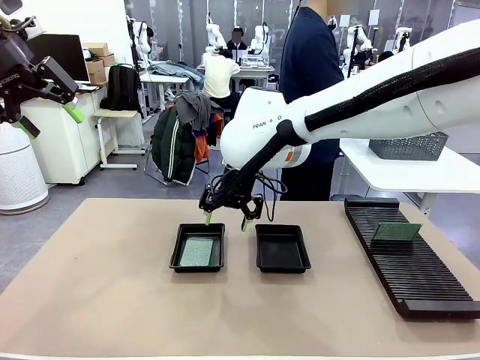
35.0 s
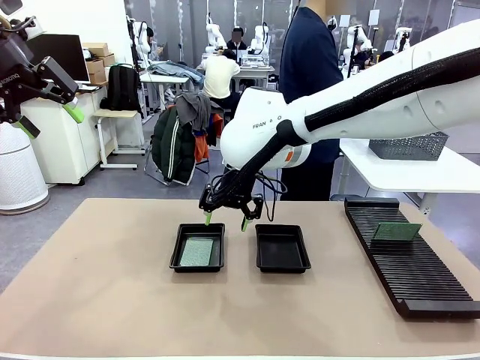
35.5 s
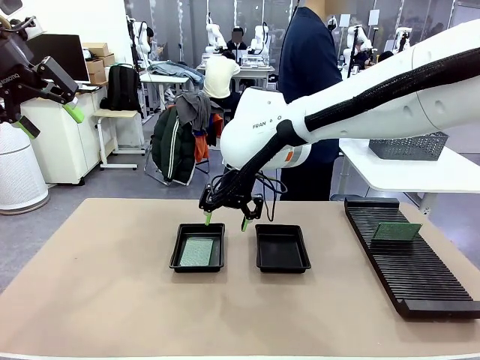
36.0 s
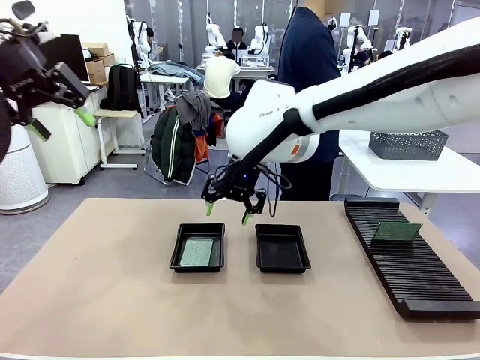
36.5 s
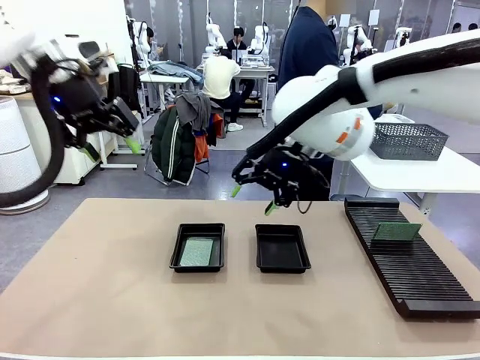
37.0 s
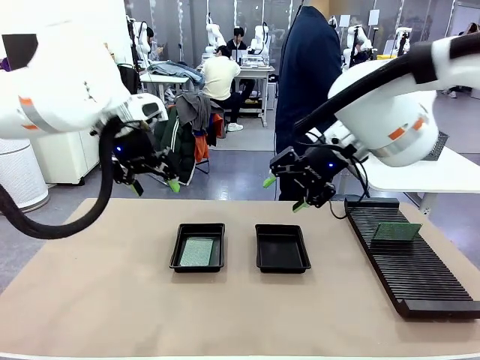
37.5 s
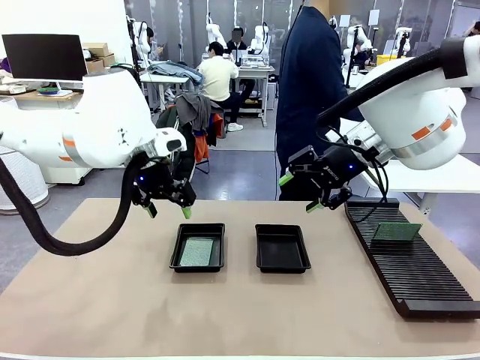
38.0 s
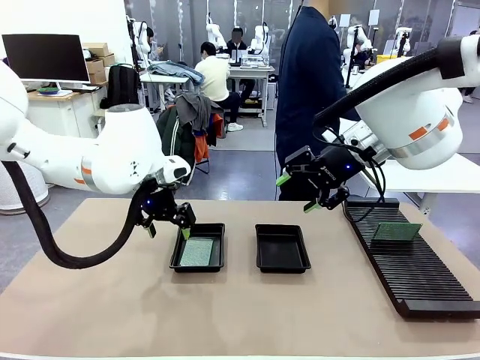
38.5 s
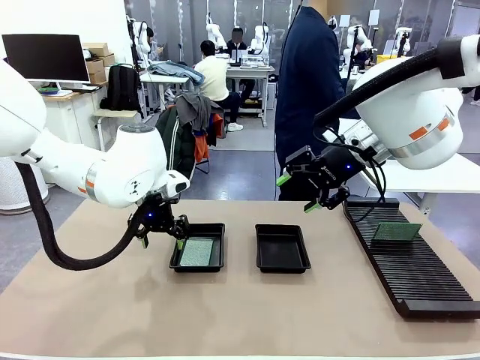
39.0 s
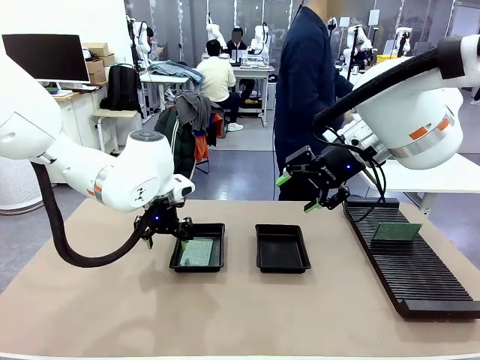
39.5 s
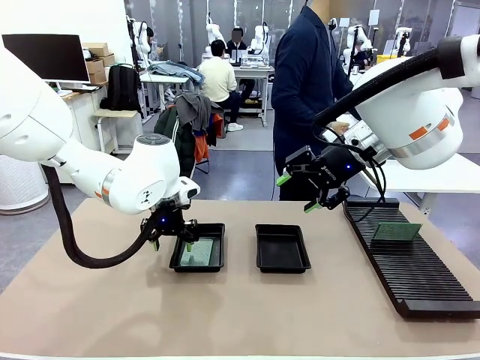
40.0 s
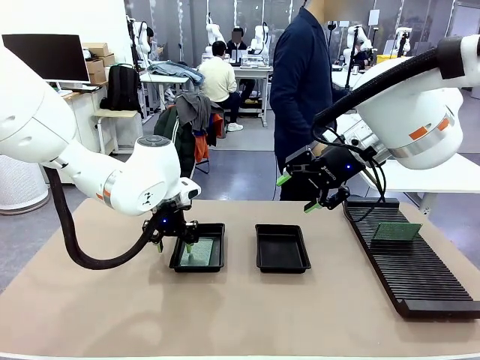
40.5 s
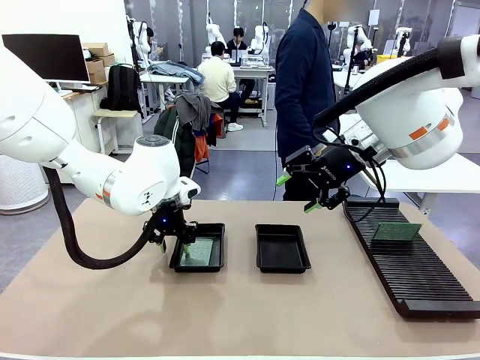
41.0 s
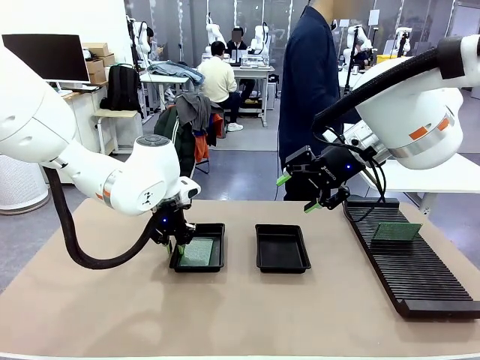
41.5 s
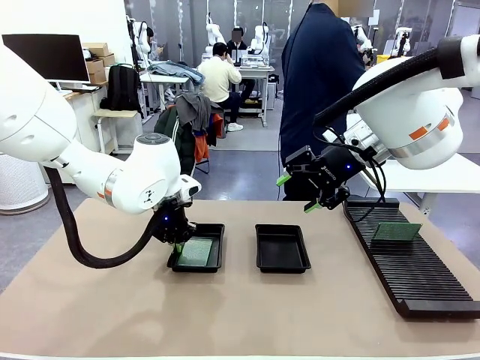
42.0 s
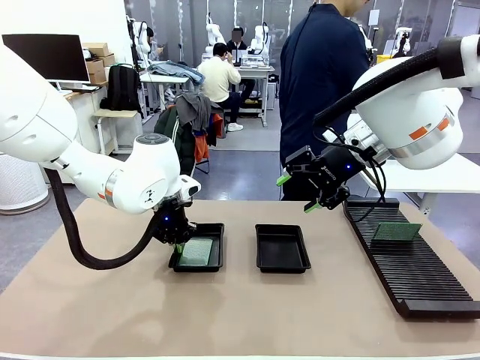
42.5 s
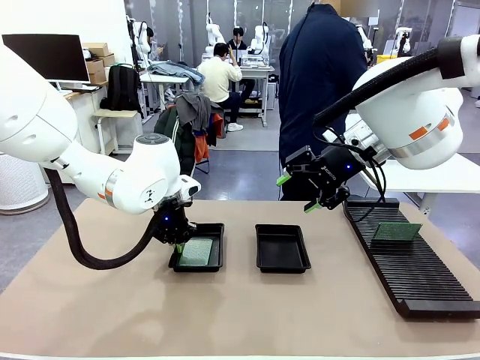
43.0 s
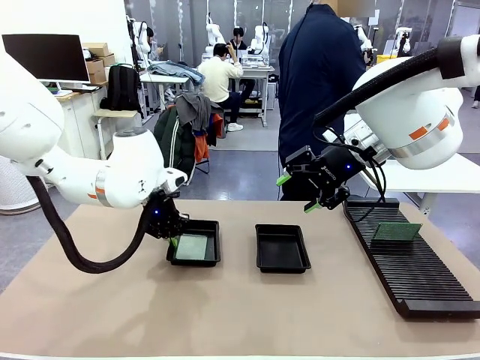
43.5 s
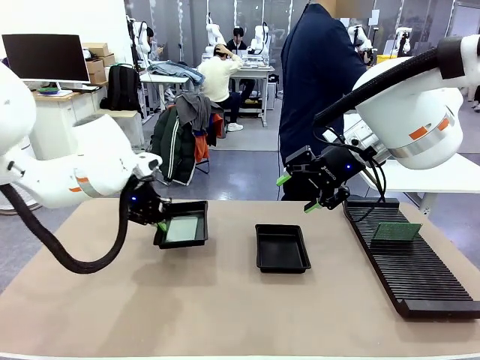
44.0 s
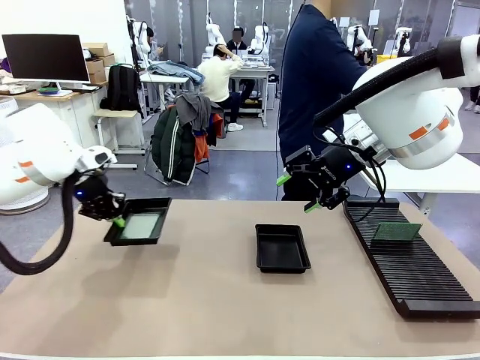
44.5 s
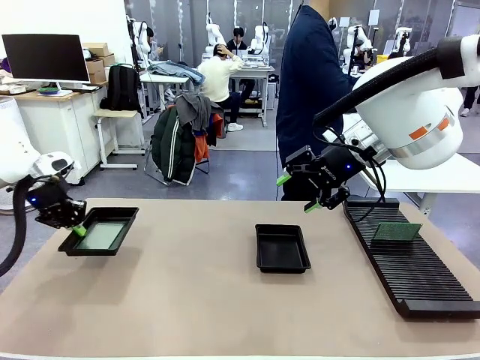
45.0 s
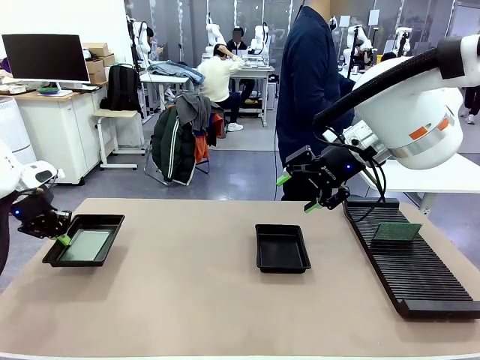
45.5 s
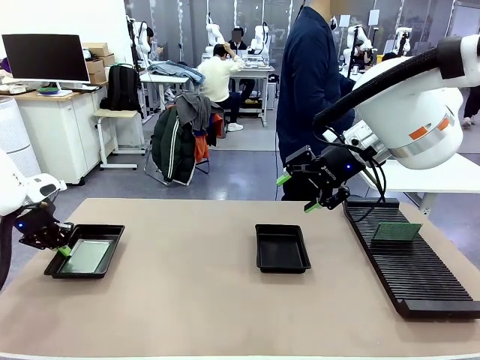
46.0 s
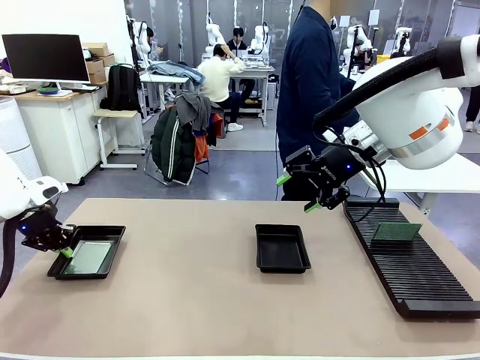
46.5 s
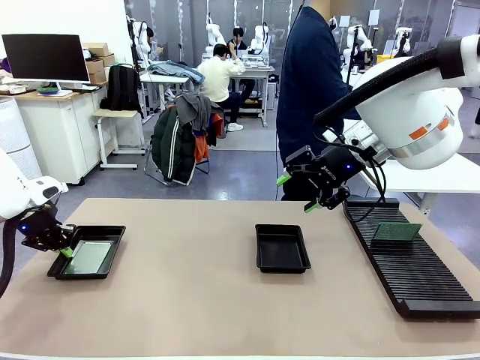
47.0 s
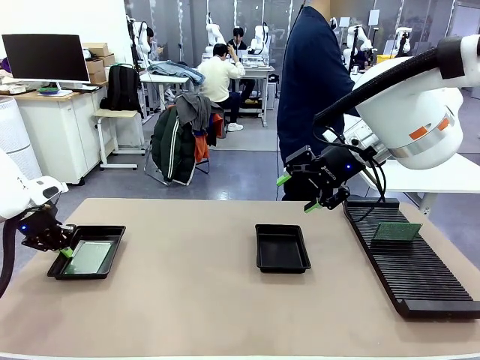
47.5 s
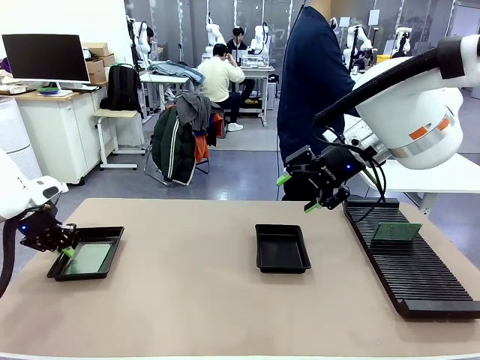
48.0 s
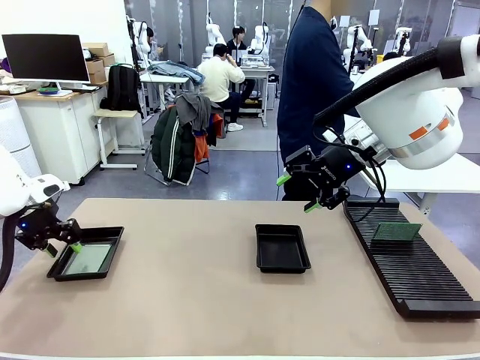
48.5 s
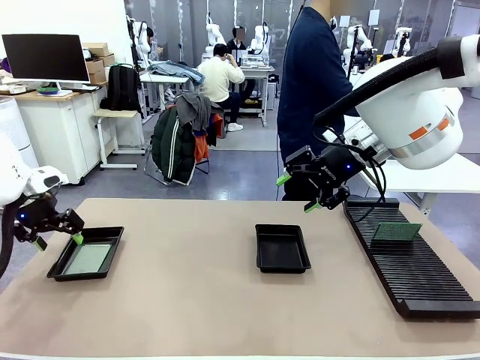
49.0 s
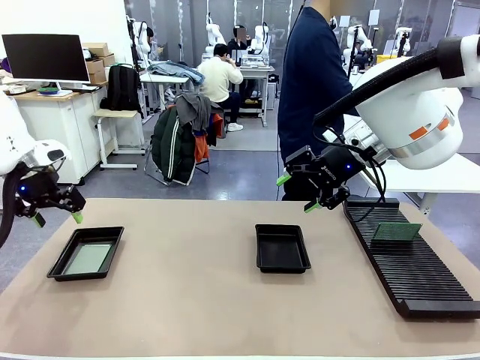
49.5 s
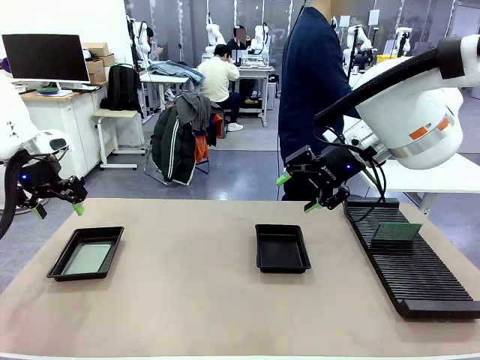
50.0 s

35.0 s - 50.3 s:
Task: Inspect and transfer BCBs to ESD trays.
Robot: Pick up the ESD tray and place it on the left side of the table.

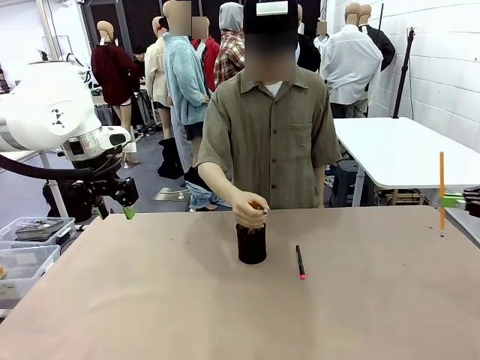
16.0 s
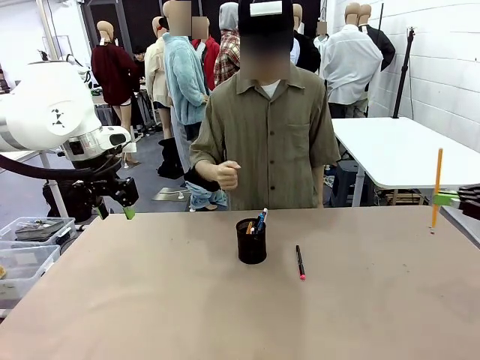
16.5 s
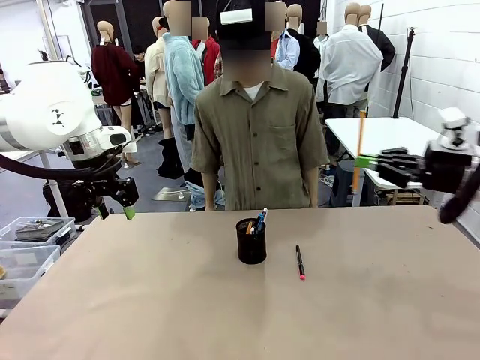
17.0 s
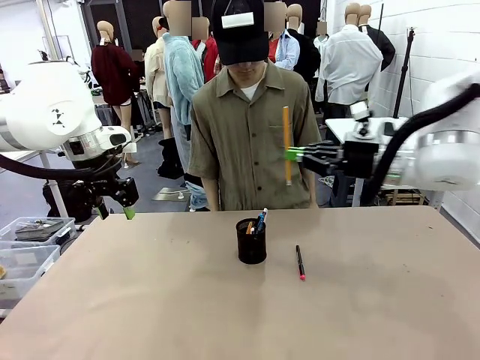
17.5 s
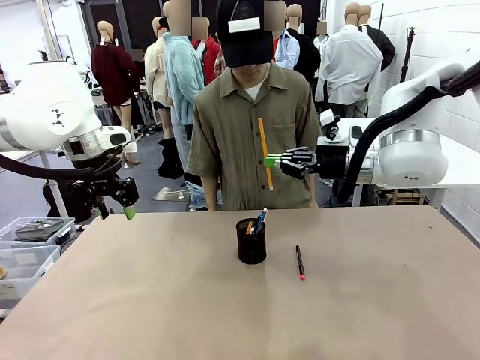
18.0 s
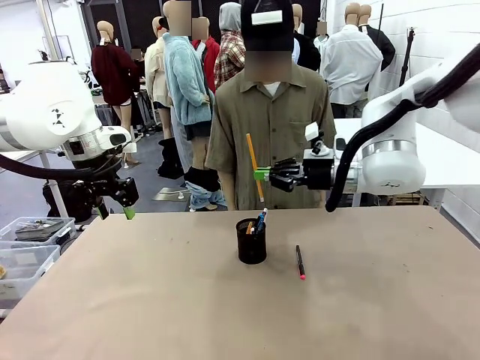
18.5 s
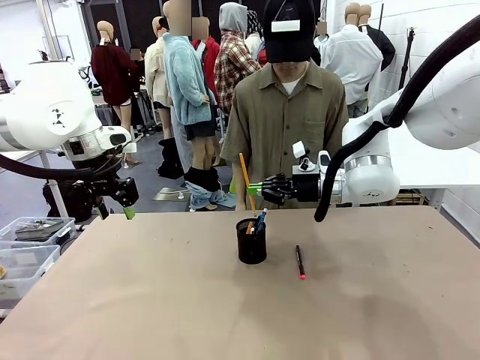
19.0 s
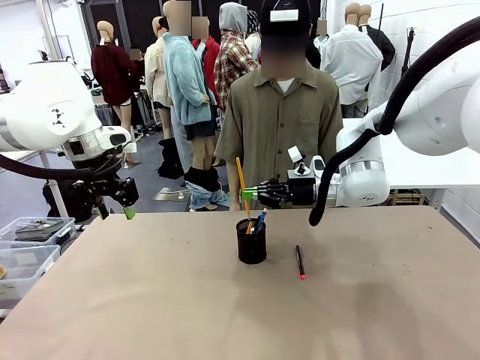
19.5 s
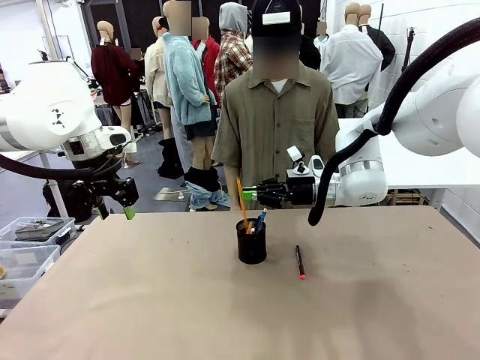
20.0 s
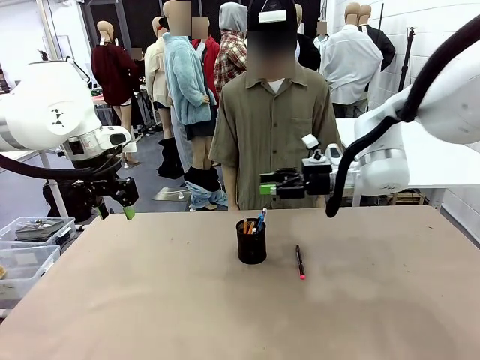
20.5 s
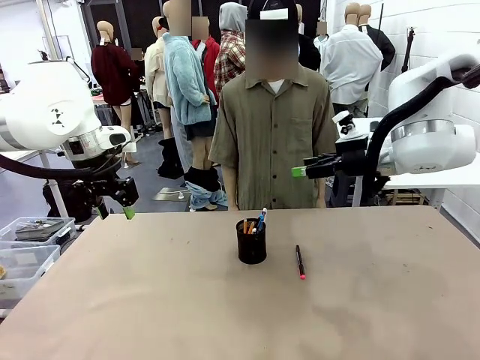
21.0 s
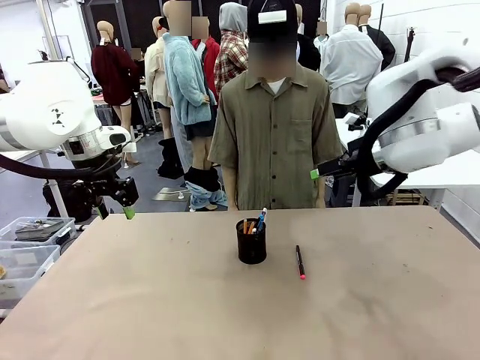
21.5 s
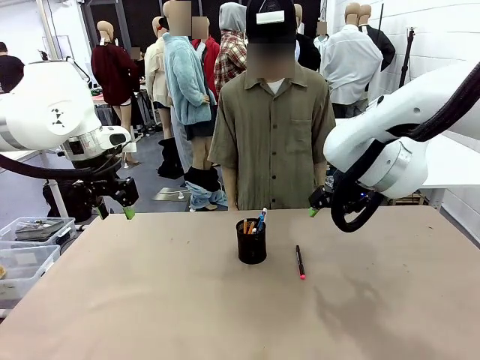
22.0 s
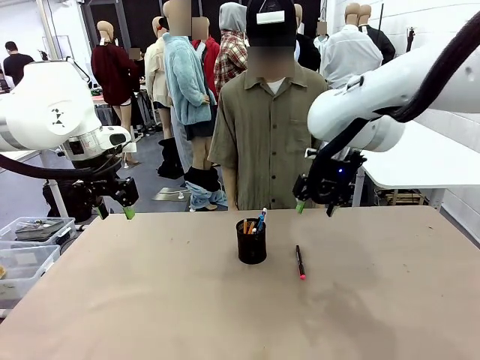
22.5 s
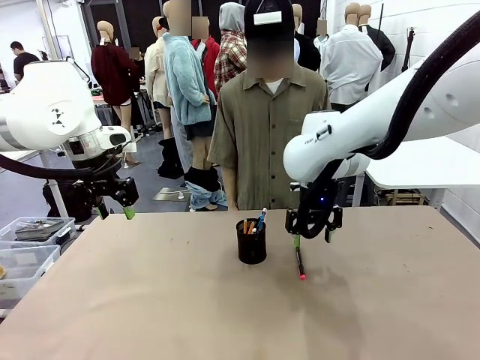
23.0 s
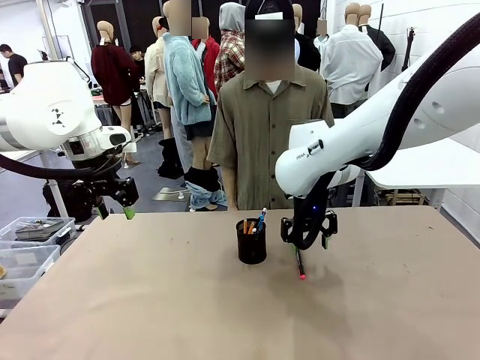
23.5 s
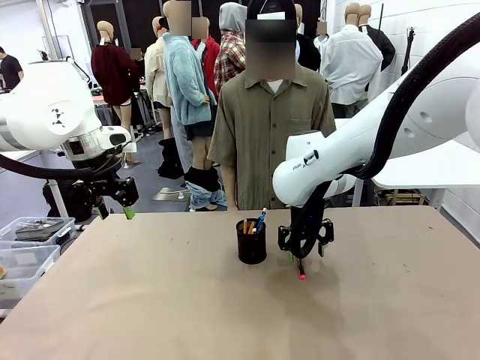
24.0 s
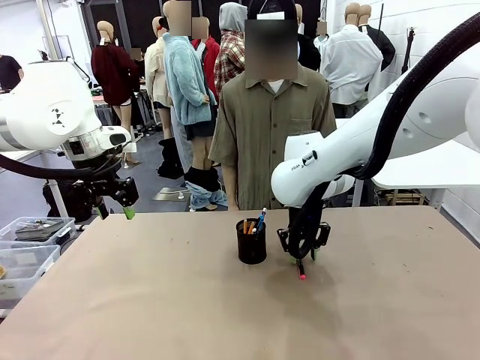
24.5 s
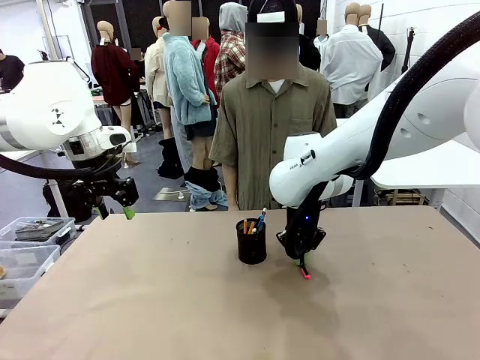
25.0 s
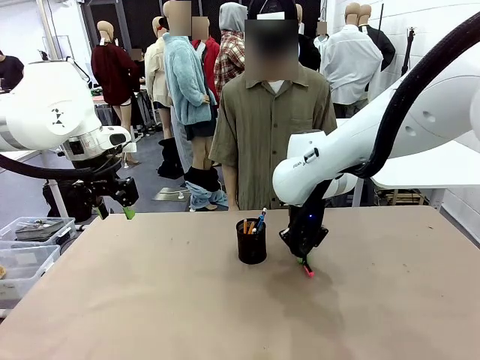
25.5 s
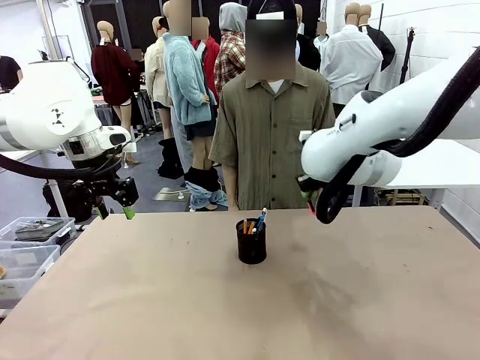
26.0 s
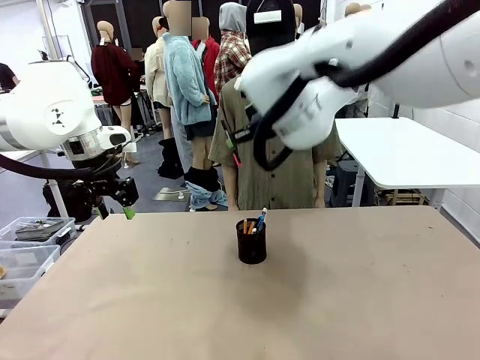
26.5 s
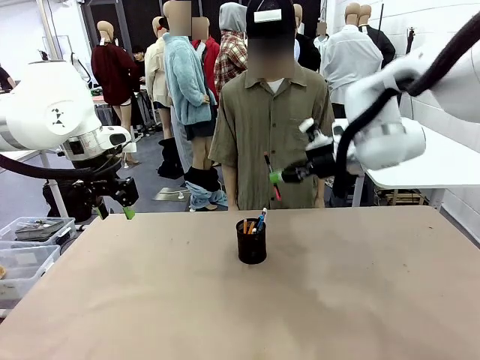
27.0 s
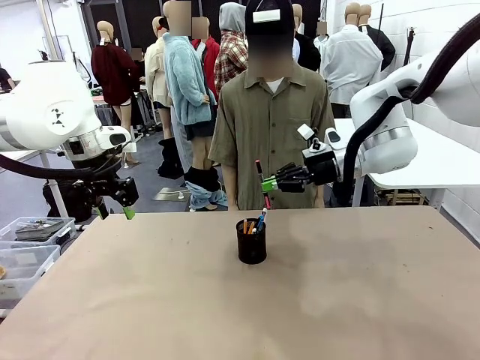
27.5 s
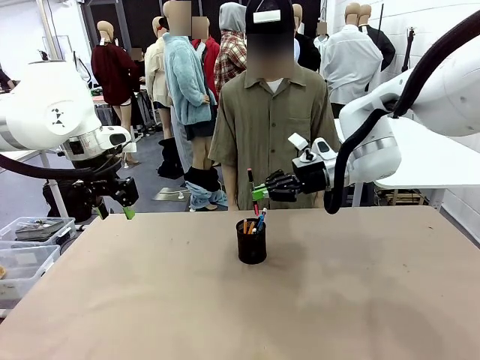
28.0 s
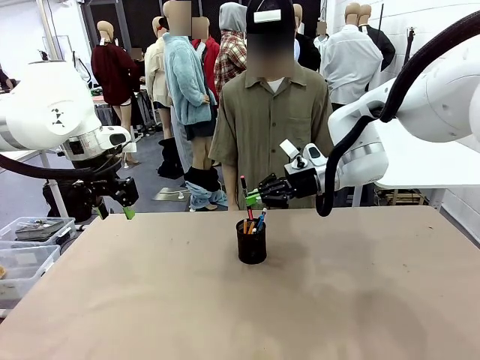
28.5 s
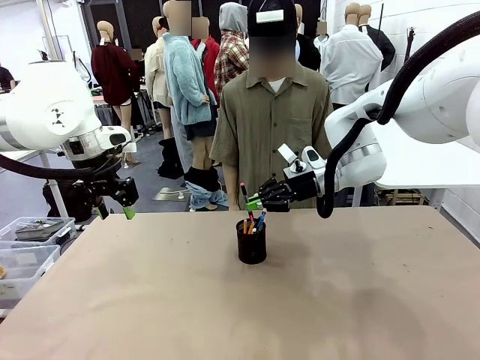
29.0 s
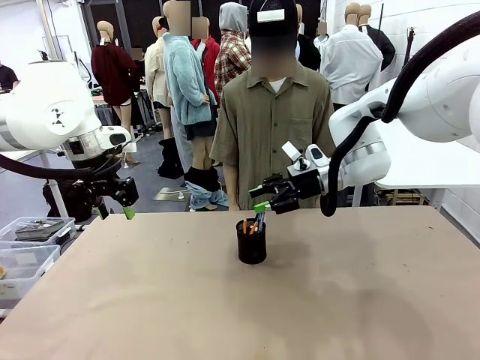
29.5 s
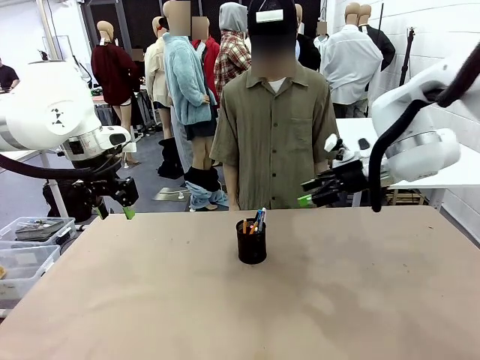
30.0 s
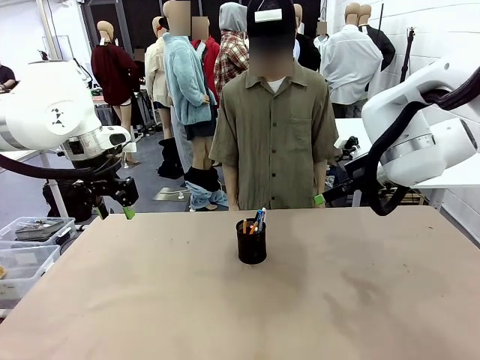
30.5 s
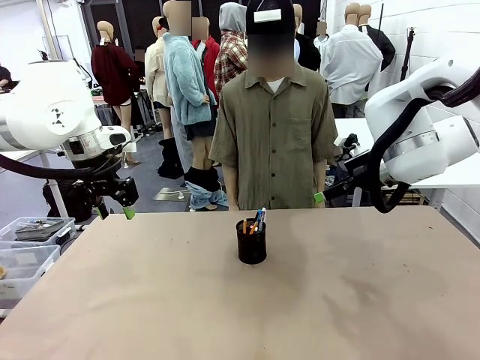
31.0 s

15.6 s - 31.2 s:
Task: Place the pens into the pen holder.
Robot: Pick up a writing instrument from the table and place it into the Pen holder.
Person: Place all writing instrument into the Pen holder.
